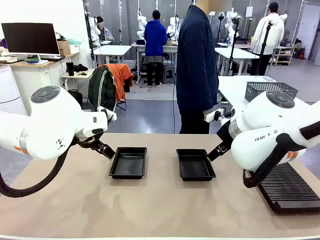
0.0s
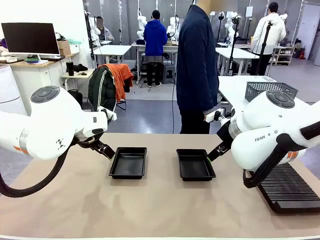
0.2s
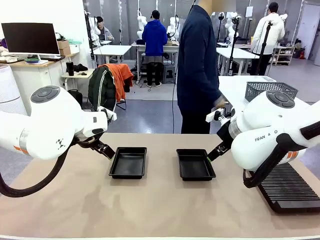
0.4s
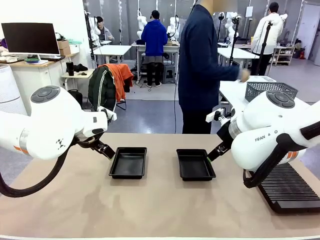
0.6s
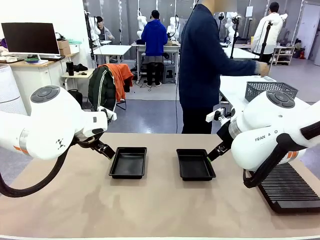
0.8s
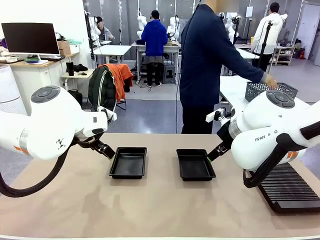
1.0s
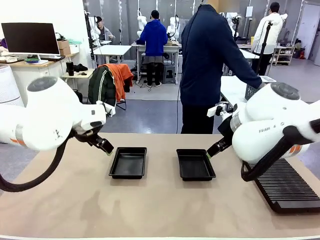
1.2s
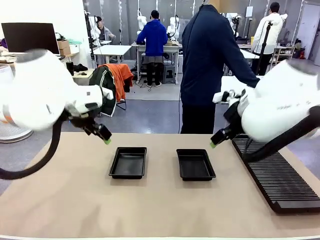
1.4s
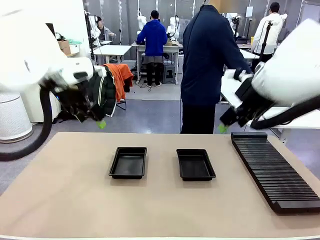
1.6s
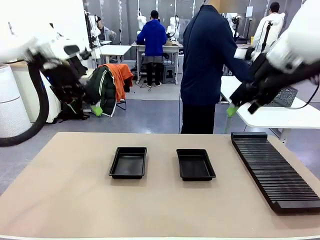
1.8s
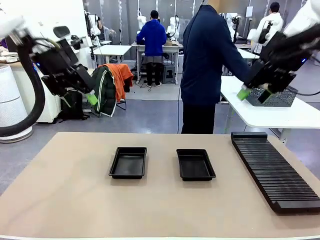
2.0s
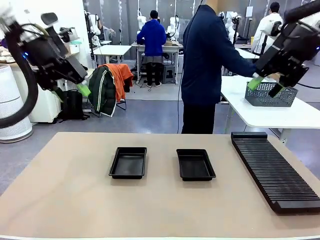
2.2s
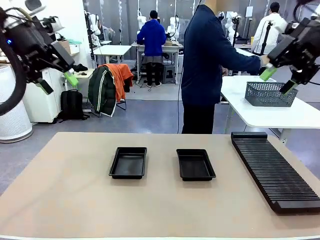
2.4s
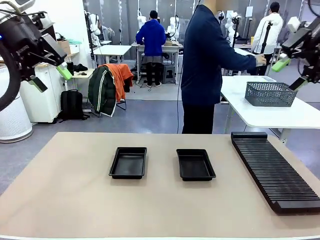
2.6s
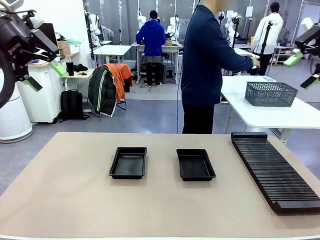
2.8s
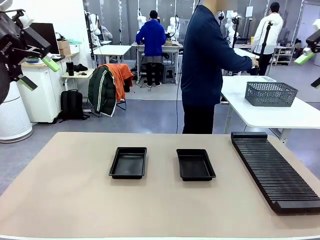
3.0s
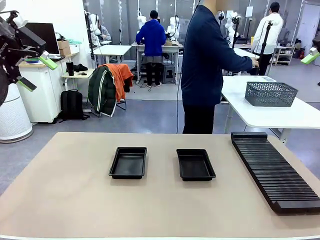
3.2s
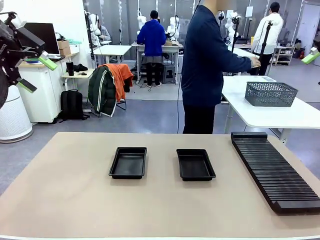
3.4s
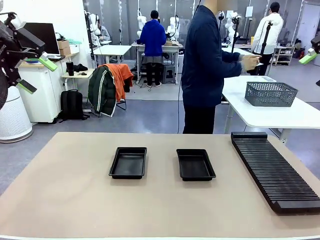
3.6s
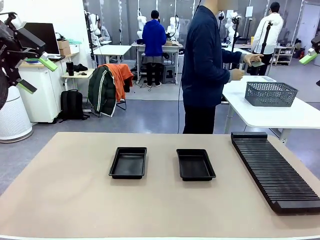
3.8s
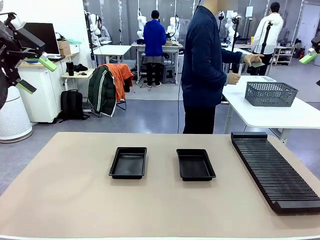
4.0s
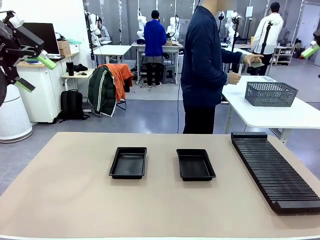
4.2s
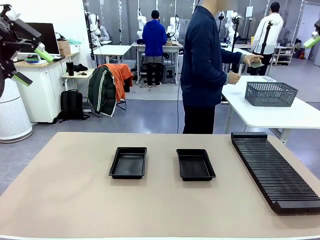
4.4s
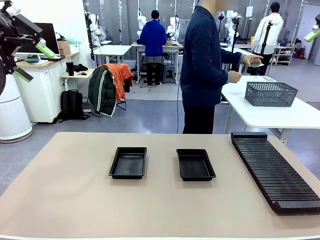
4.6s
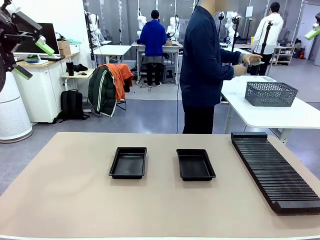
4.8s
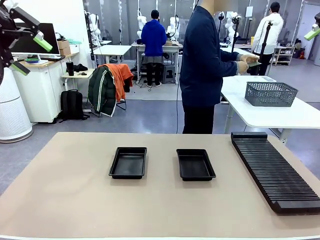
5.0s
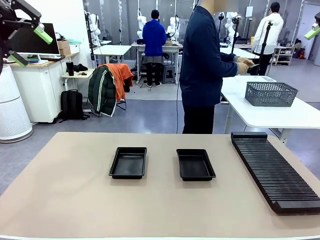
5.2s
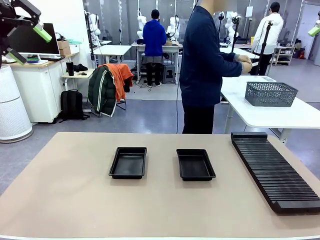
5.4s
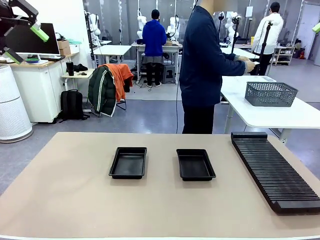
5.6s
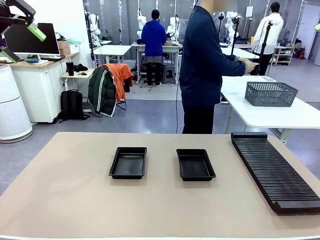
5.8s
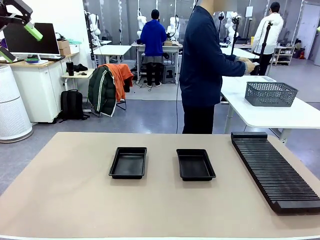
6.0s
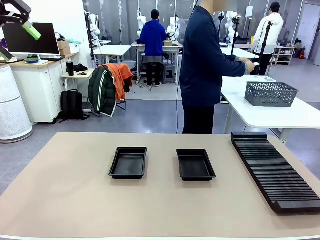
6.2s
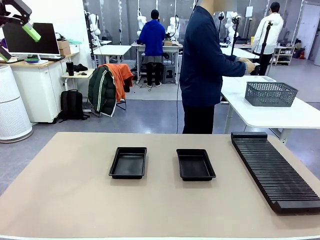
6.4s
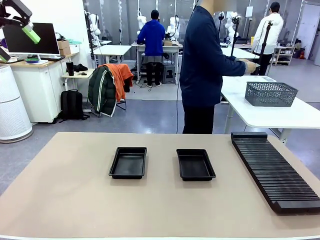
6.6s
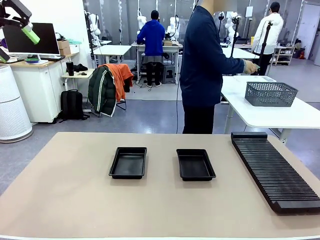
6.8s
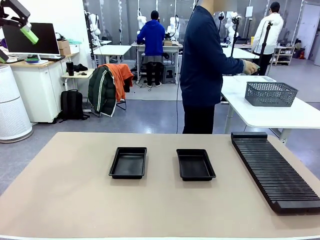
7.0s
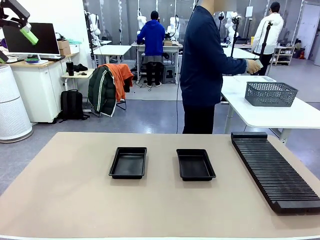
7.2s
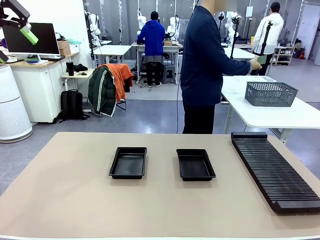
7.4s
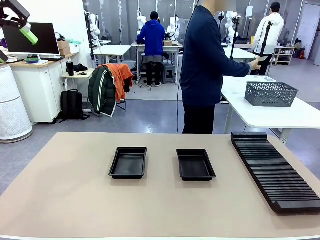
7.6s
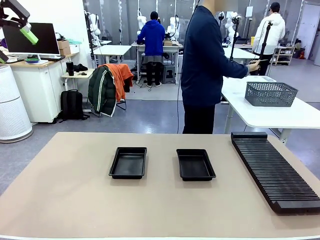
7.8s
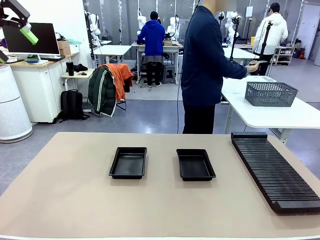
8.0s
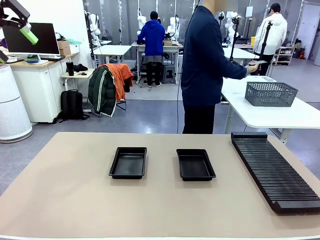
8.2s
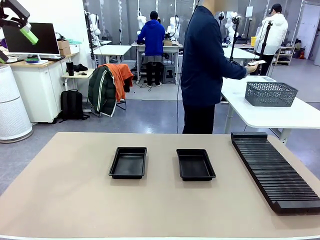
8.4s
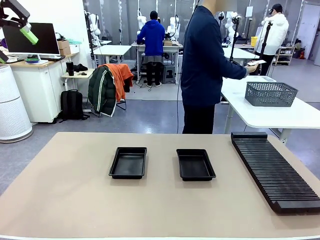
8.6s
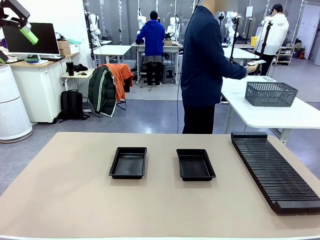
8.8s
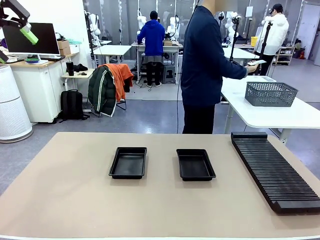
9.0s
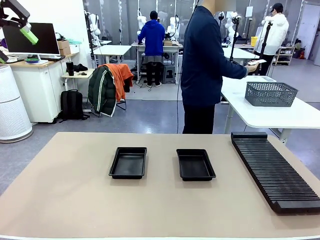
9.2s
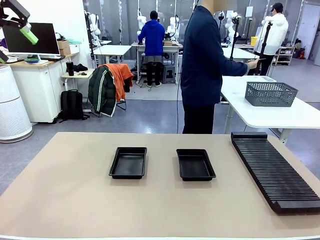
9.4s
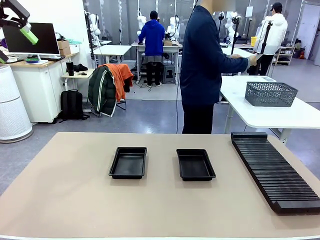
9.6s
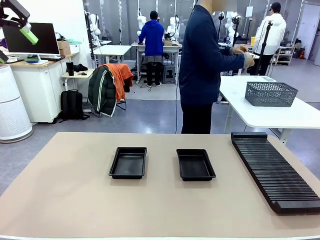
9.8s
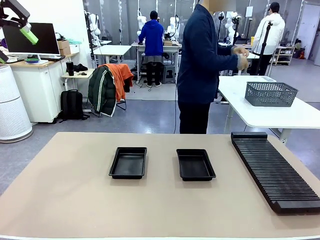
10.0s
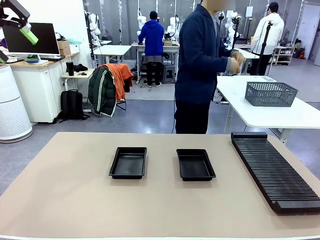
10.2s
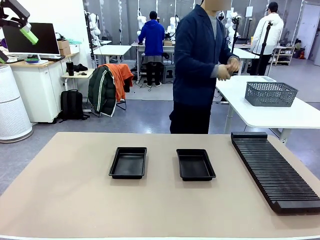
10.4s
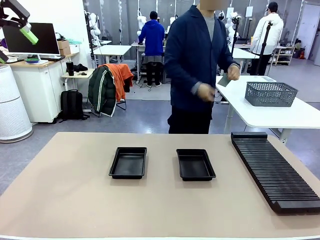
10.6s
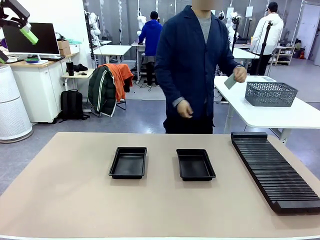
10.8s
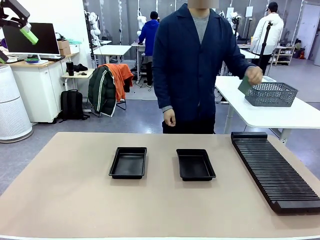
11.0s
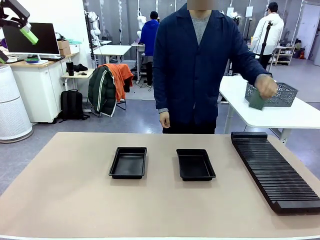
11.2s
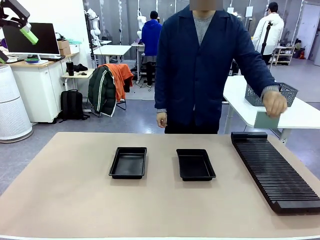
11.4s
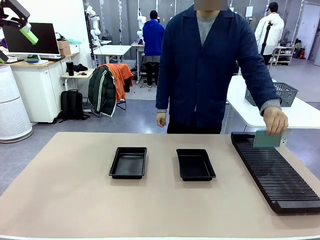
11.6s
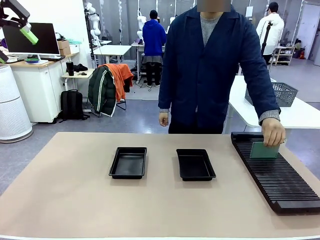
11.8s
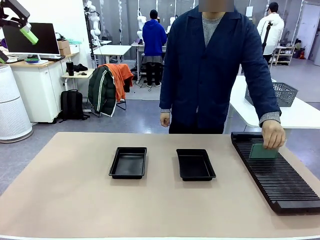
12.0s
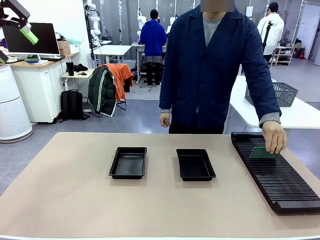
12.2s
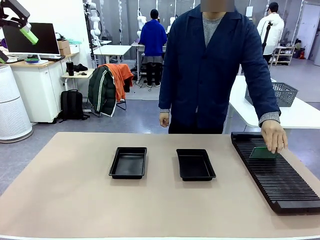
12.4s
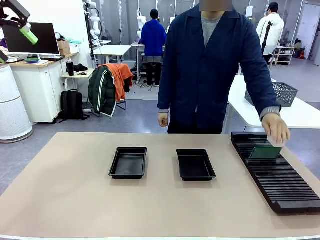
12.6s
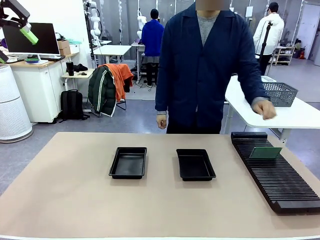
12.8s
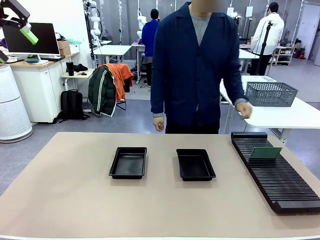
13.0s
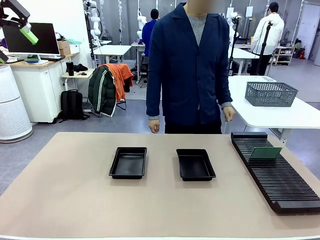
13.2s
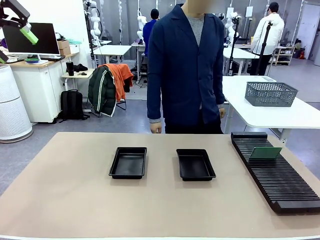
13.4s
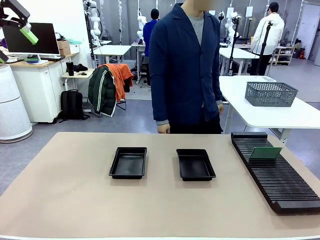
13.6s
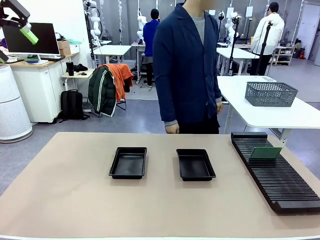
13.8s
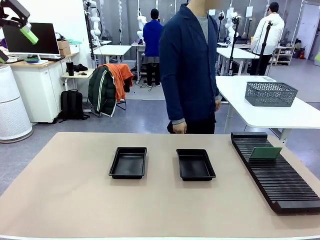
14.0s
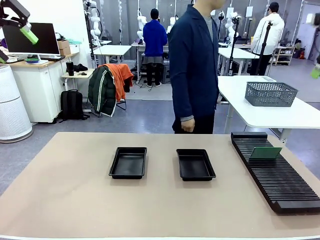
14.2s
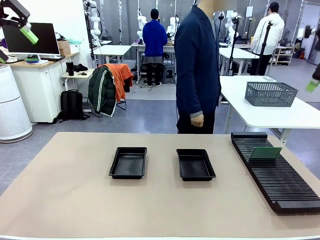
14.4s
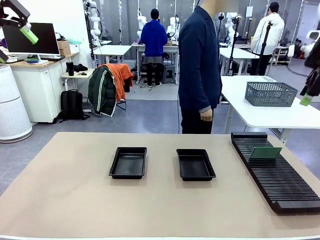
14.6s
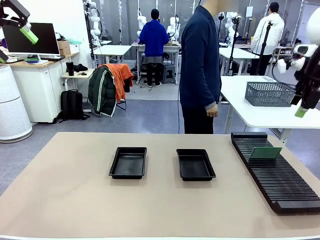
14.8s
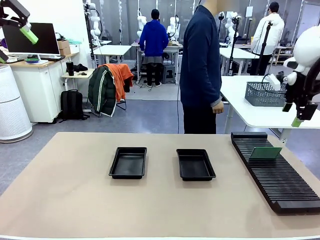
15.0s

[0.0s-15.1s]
Task: Inspect and transfer BCBs to ESD trays.
Robot: Pick up the Blank PCB from the PCB Rack and place it in the left ESD tray.

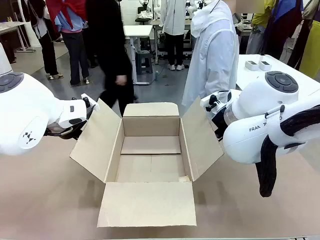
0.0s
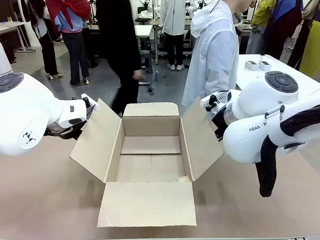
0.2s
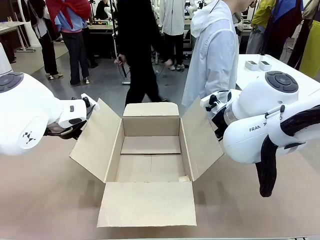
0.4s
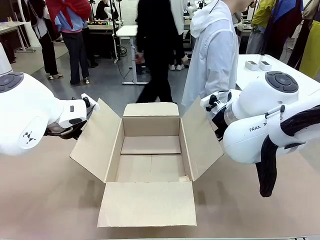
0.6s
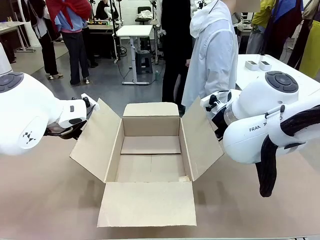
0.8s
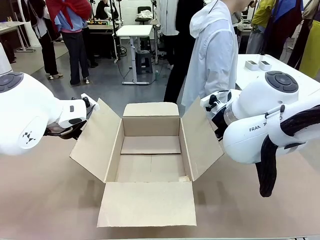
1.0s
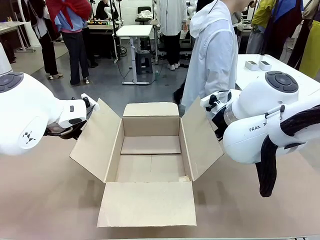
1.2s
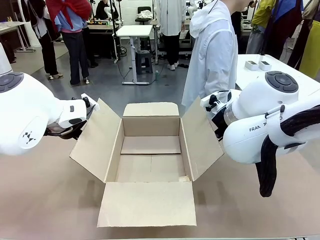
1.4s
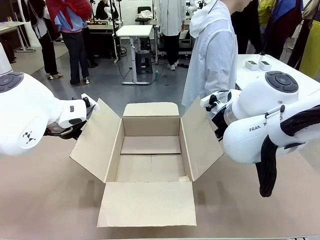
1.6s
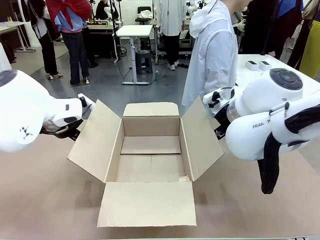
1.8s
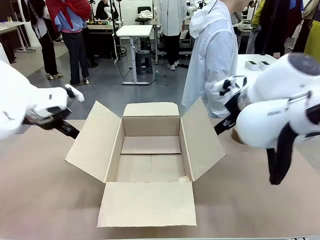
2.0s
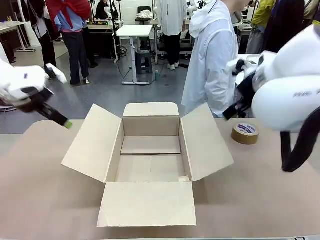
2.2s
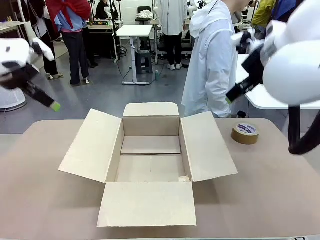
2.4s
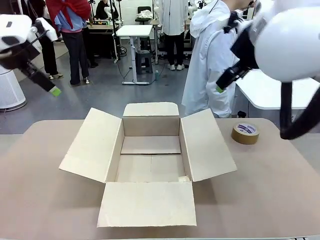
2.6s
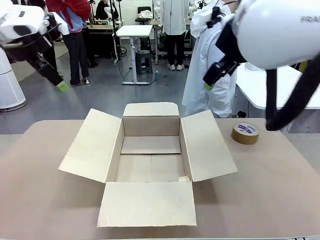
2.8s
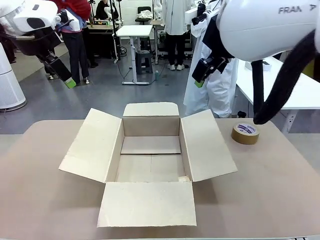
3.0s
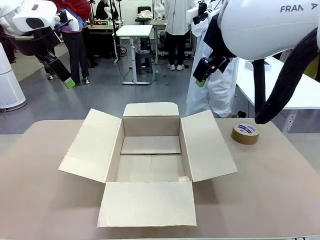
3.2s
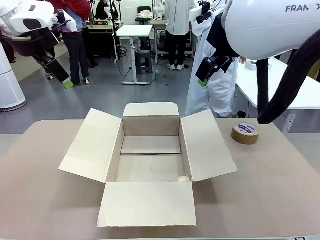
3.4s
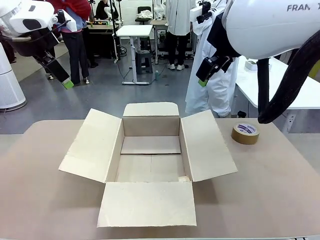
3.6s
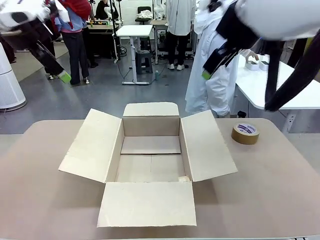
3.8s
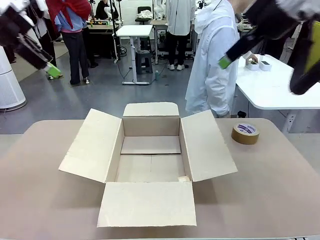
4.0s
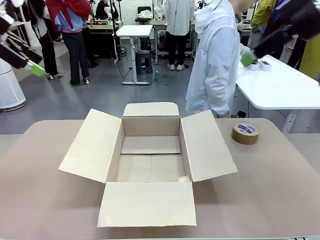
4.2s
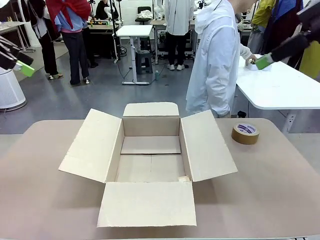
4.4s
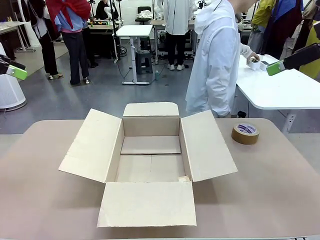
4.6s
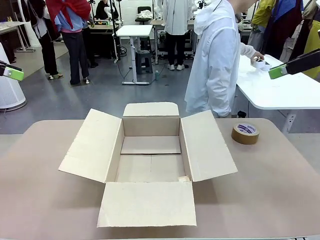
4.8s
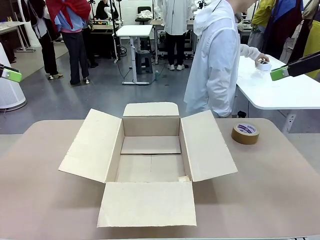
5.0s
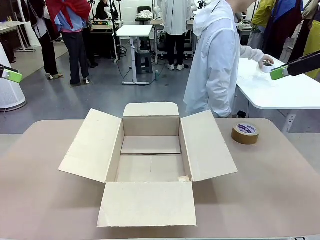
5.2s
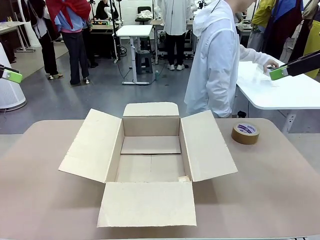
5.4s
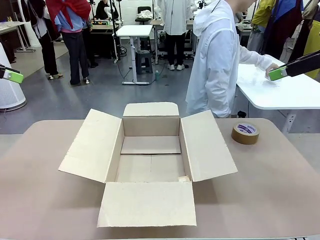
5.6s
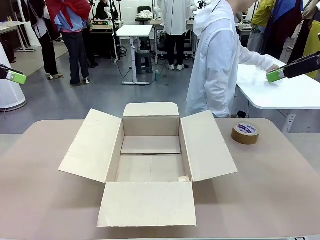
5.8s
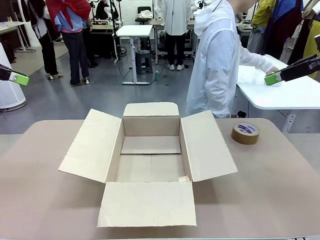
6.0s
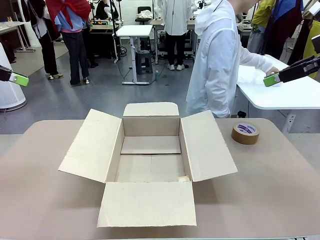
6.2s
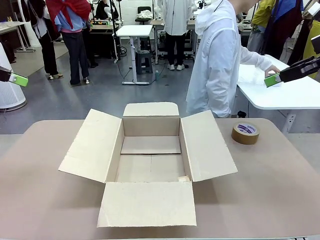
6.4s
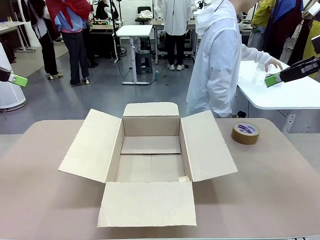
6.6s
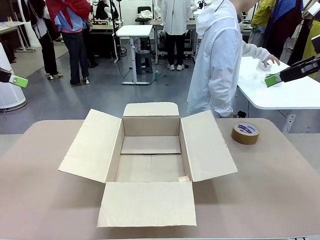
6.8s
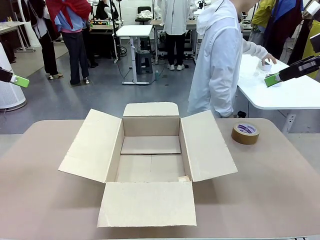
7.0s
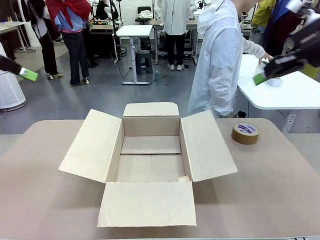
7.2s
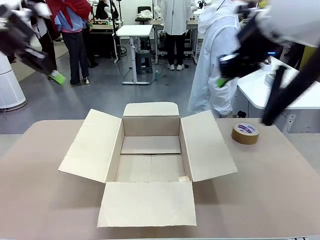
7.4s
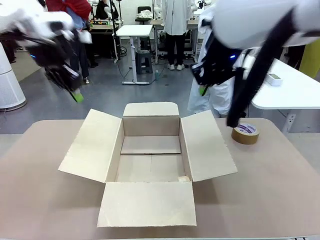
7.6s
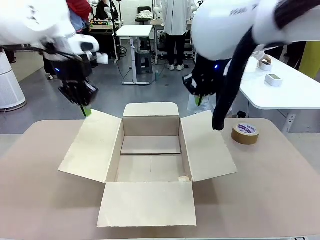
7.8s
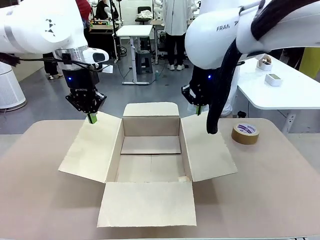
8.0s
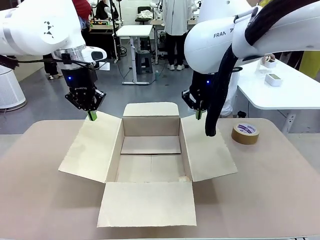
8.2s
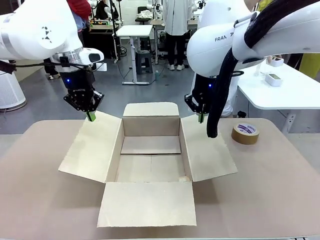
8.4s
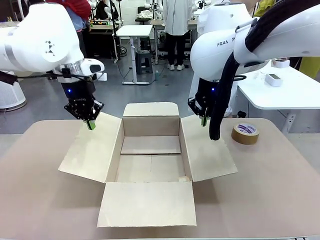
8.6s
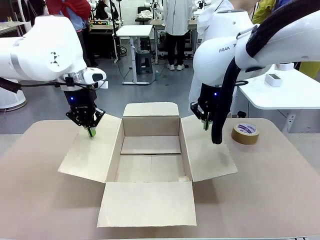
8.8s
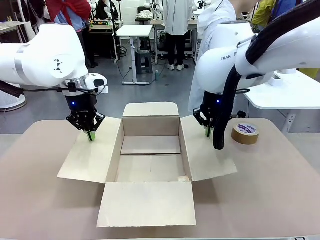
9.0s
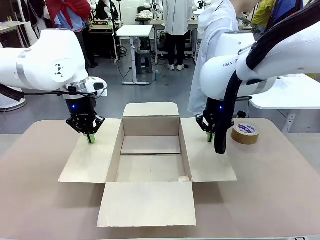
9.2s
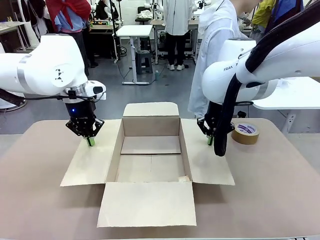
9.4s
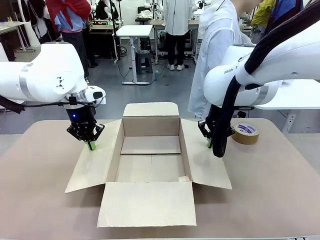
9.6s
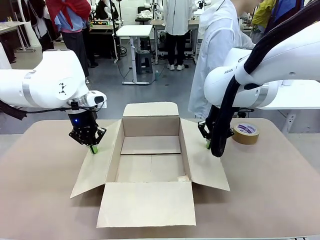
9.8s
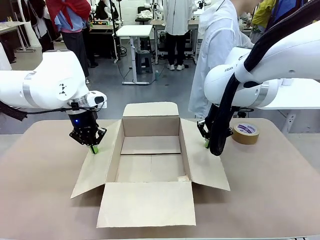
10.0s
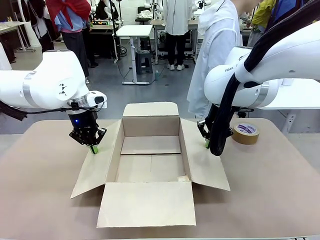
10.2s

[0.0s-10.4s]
Task: Wrap the clocks to prevent damage.
Robot: Open the side flaps of the Package Box.
